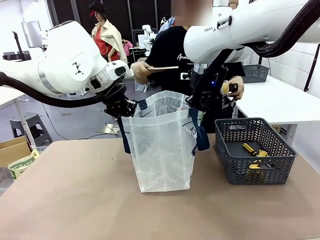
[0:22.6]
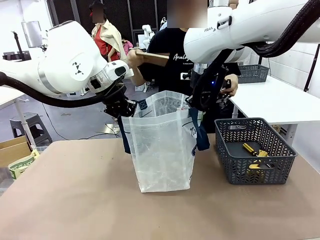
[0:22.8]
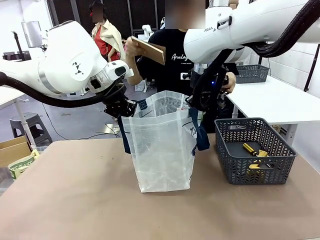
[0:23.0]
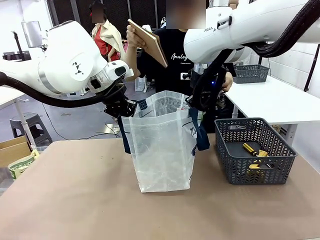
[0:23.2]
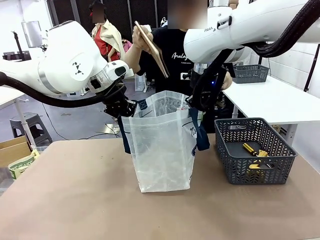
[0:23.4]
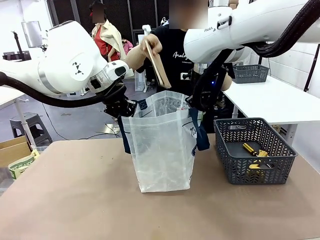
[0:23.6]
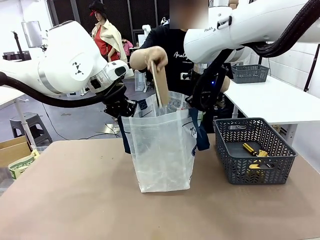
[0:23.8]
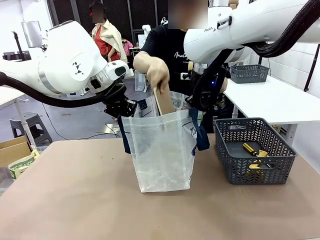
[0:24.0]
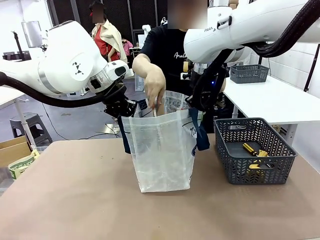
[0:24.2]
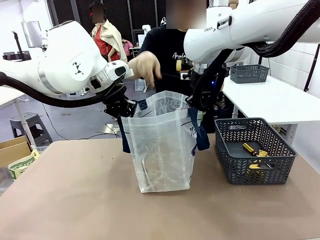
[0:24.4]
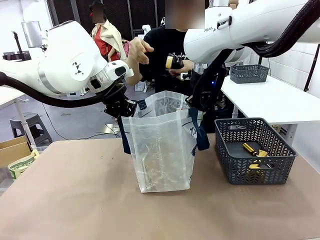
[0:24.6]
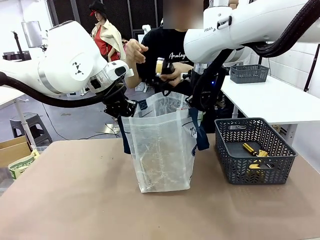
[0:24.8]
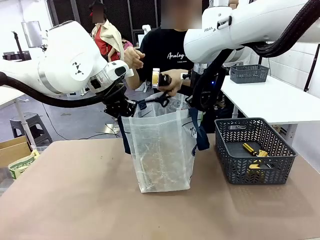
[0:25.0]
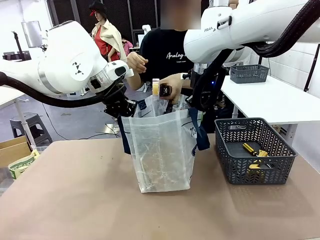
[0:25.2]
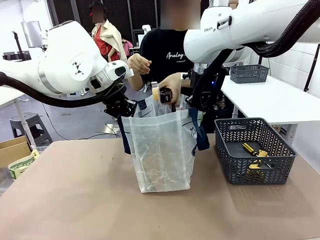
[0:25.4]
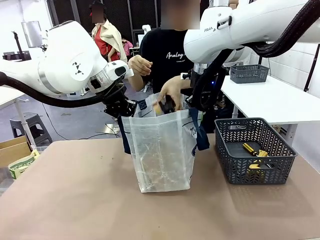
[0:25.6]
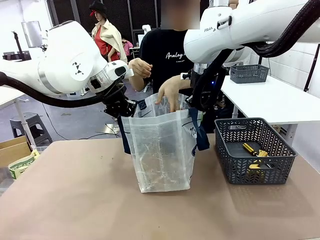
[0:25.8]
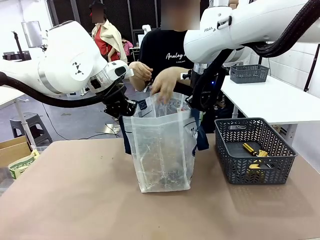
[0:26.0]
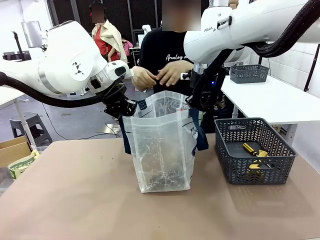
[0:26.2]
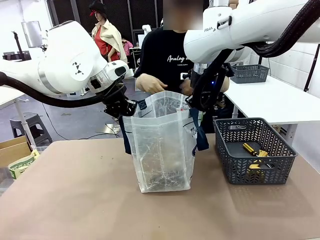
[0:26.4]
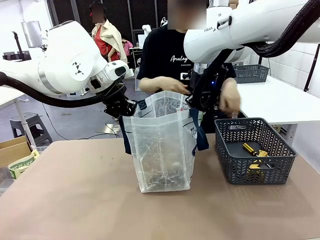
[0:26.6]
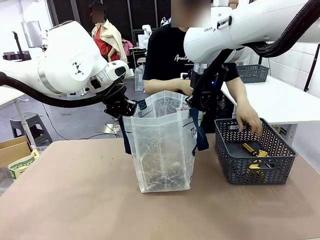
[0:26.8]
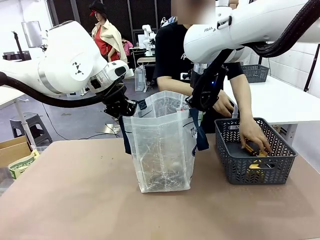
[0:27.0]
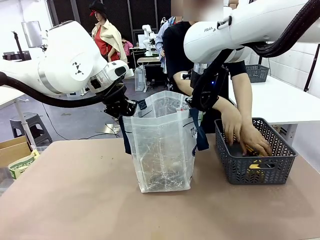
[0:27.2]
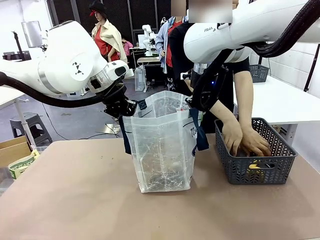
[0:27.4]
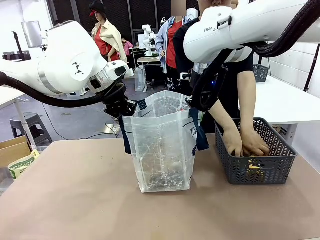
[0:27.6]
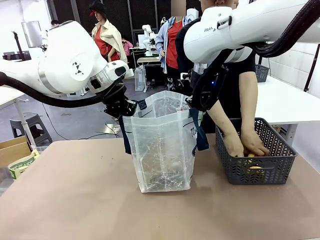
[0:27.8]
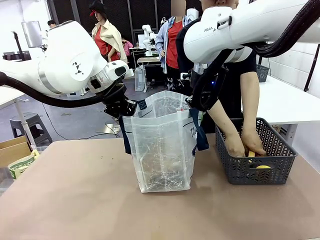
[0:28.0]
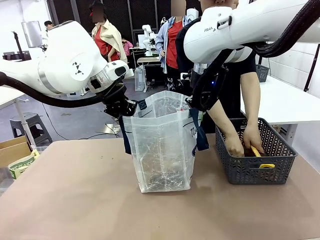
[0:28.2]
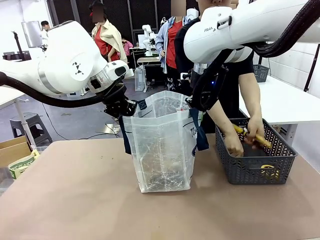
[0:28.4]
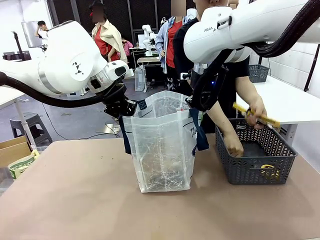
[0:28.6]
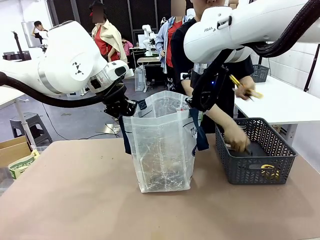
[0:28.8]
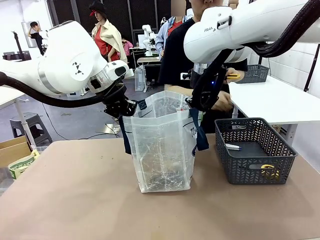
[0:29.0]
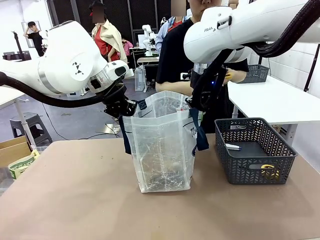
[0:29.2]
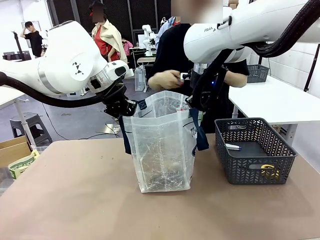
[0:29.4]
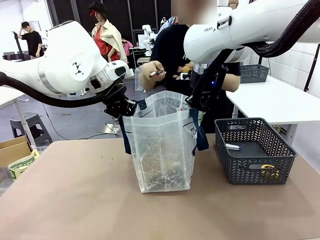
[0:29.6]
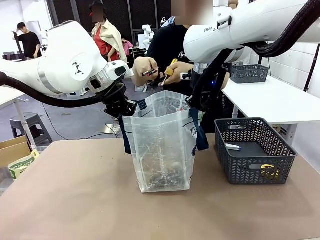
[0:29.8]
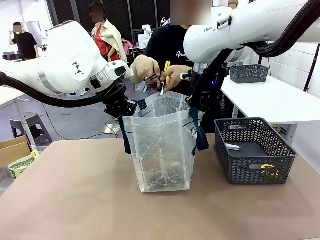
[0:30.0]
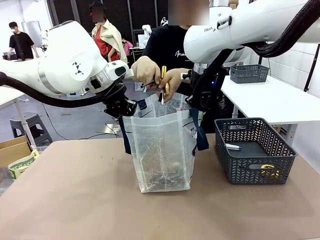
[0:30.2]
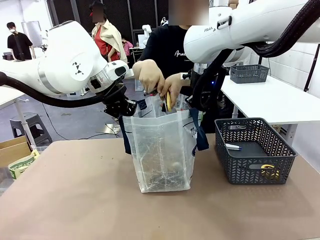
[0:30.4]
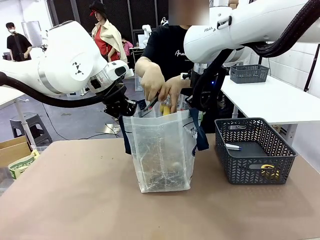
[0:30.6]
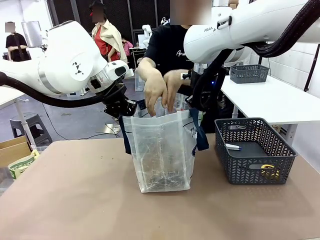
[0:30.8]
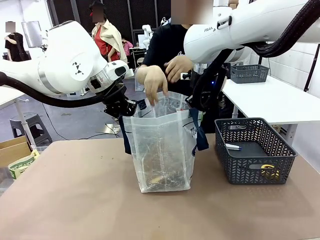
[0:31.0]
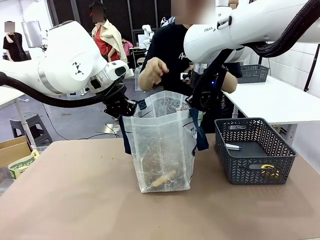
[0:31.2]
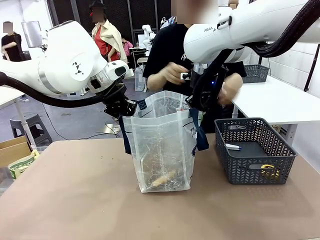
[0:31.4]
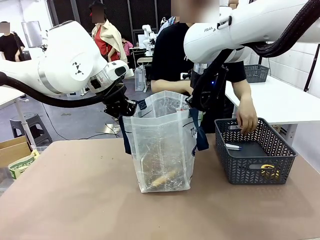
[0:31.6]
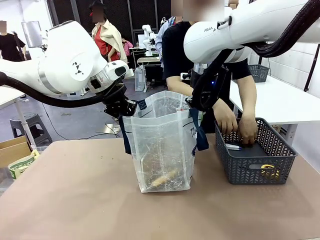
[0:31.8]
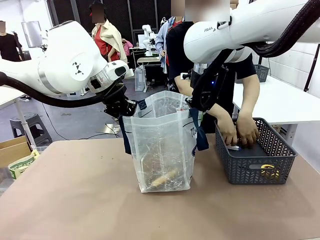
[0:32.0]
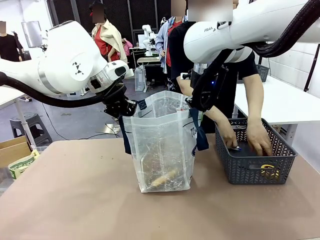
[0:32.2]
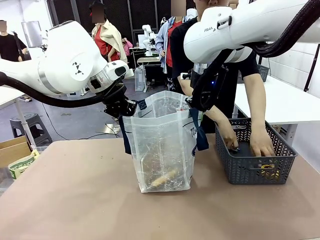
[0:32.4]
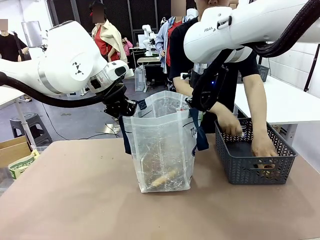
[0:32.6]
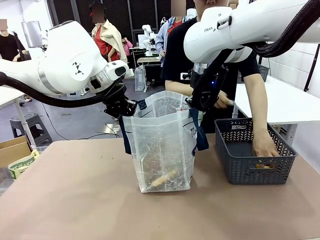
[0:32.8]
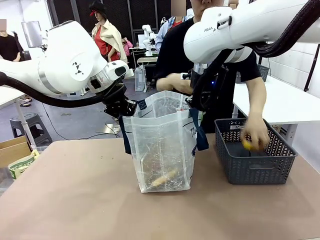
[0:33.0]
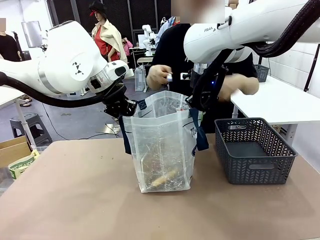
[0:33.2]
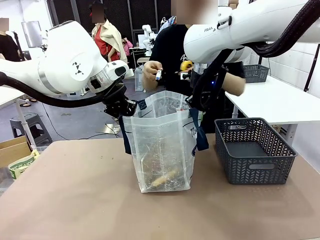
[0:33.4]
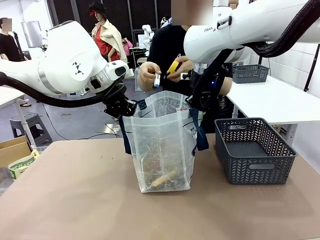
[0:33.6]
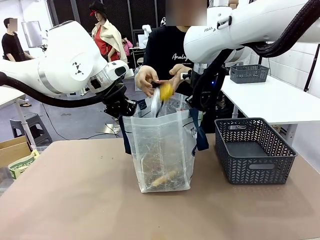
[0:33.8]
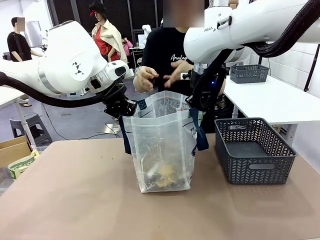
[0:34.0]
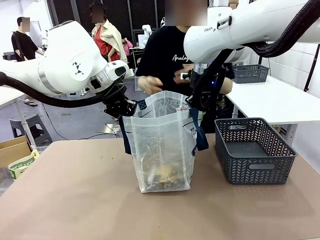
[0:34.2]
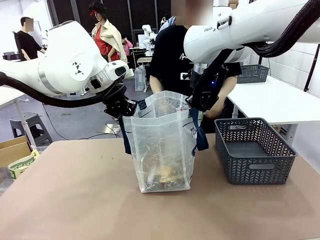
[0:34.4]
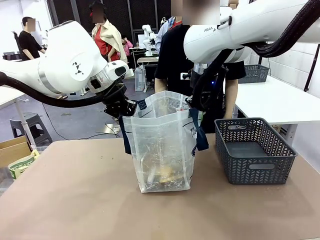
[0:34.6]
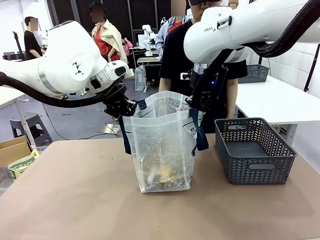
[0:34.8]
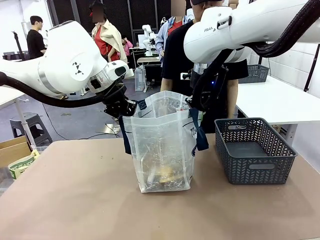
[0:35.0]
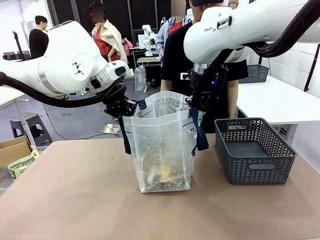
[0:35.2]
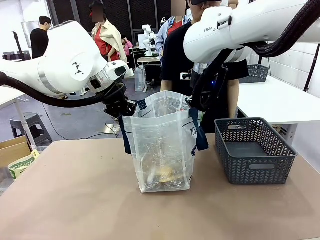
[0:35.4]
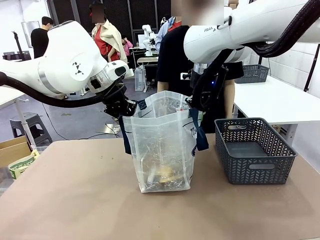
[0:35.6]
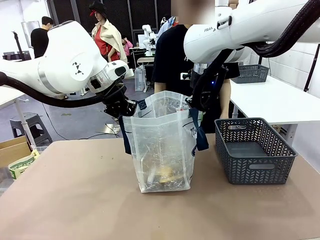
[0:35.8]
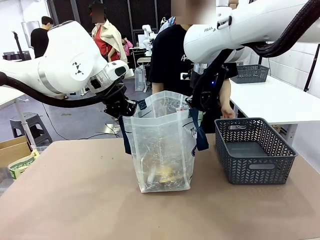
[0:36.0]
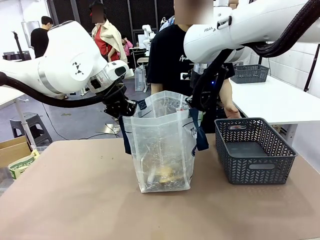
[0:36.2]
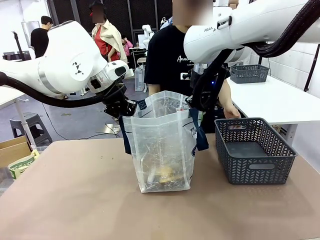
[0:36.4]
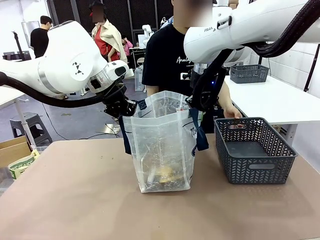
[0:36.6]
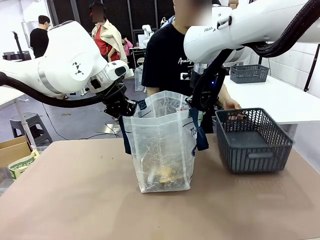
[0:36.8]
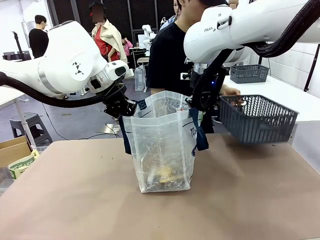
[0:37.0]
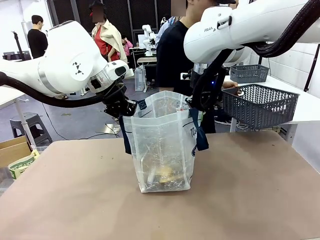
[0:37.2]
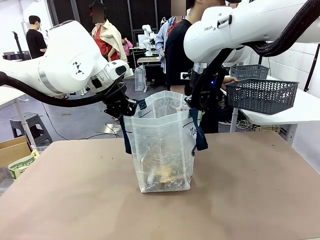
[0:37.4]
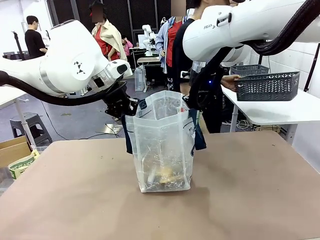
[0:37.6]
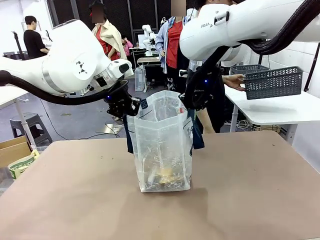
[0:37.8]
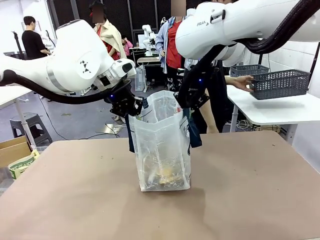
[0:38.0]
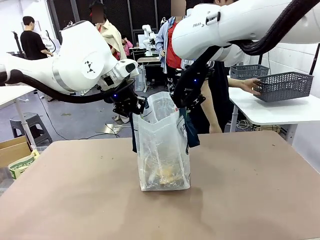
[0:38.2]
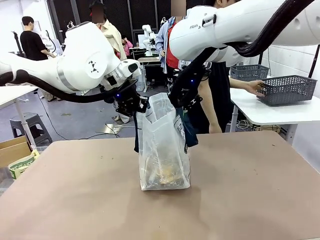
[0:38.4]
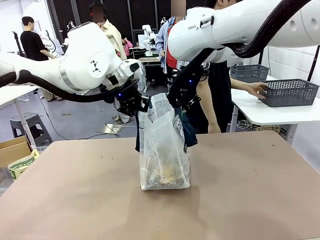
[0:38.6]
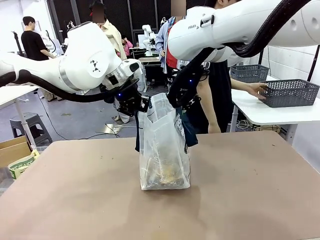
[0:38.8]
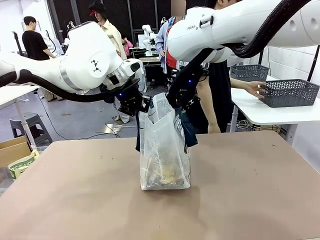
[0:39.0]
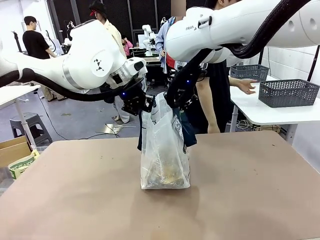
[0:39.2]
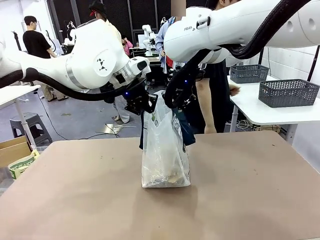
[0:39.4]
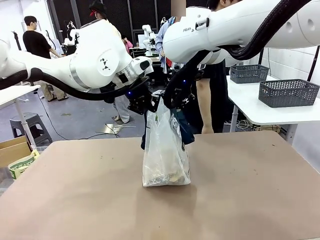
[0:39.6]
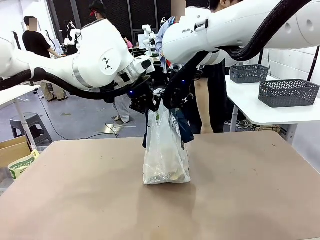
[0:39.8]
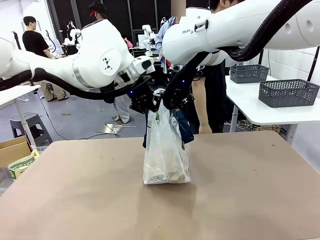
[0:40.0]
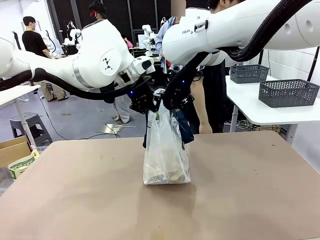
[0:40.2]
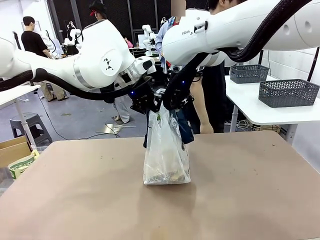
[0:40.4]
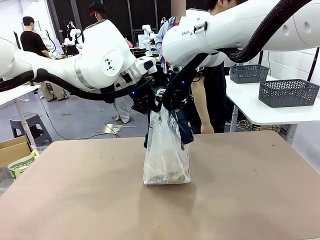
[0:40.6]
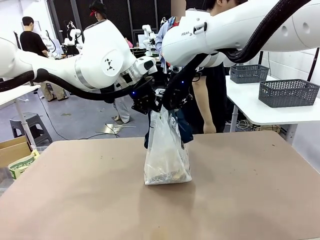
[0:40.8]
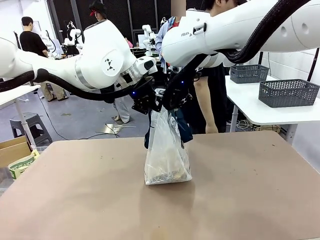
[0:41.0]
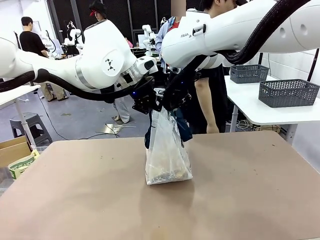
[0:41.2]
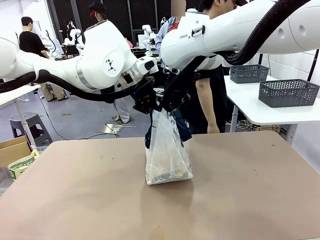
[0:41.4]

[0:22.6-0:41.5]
Task: Transfer purchased items from the store into the shopping bag.
Robot: Move the Reusable shopping bag to the right side of the table.
Person: Pick up the basket with the items out and place it on the right side of the human table.
